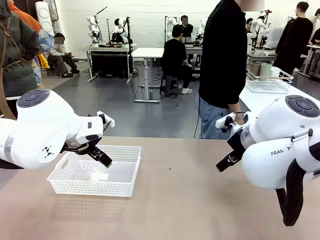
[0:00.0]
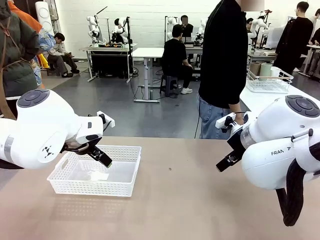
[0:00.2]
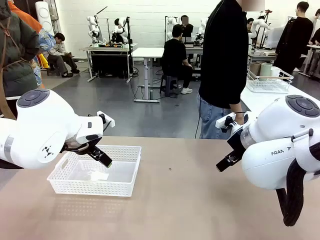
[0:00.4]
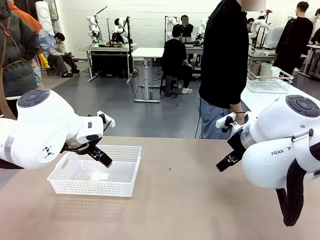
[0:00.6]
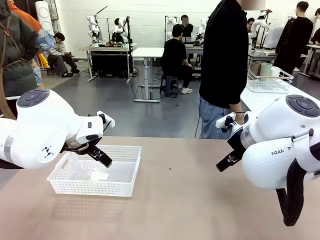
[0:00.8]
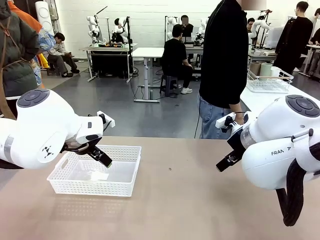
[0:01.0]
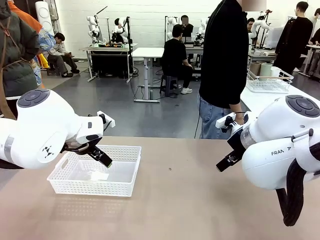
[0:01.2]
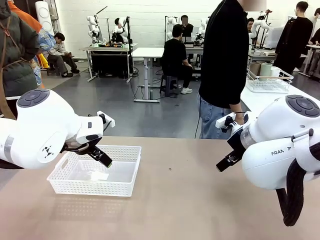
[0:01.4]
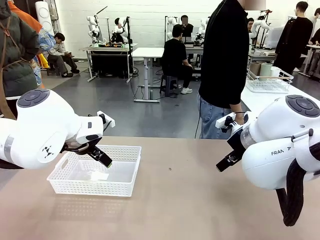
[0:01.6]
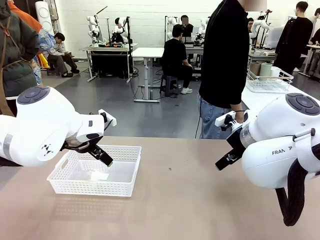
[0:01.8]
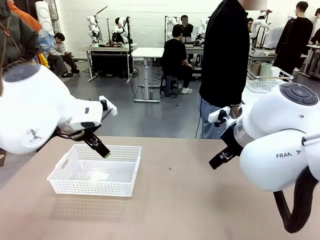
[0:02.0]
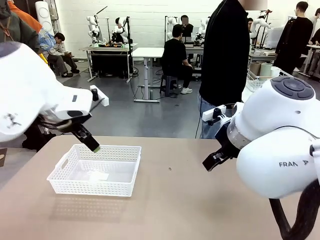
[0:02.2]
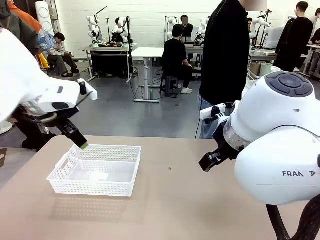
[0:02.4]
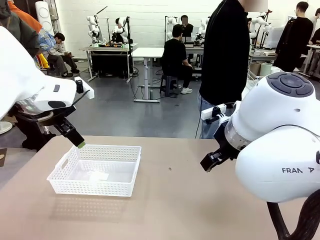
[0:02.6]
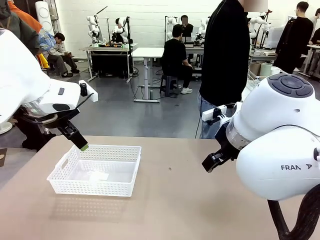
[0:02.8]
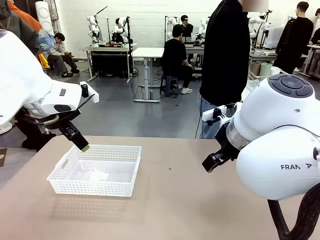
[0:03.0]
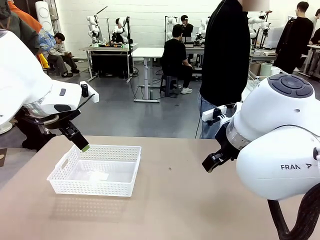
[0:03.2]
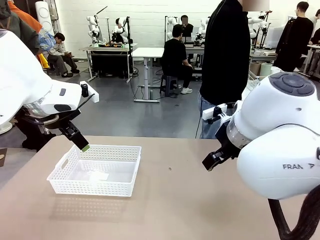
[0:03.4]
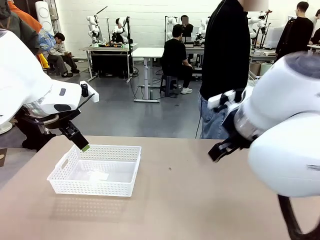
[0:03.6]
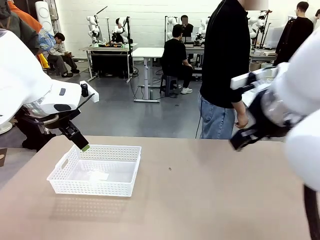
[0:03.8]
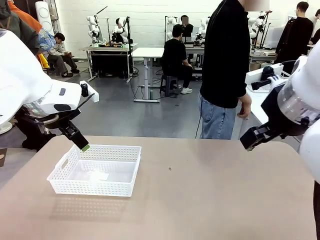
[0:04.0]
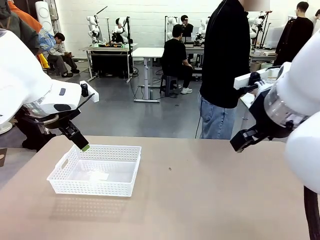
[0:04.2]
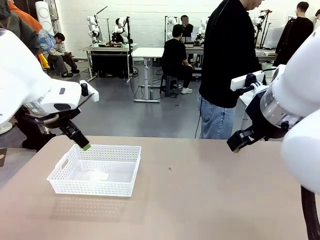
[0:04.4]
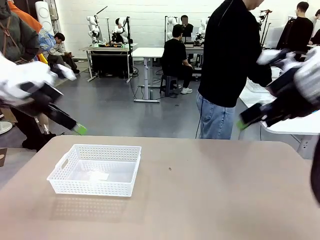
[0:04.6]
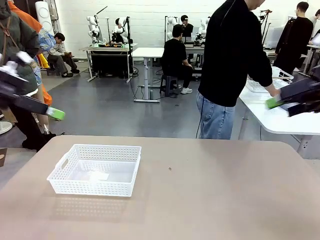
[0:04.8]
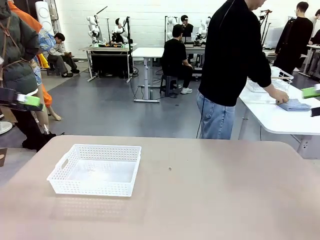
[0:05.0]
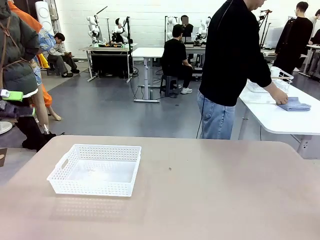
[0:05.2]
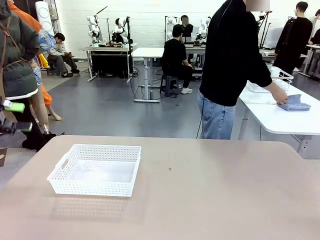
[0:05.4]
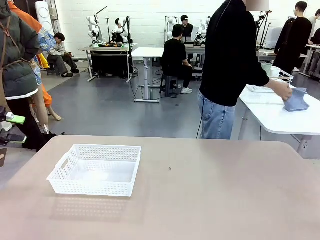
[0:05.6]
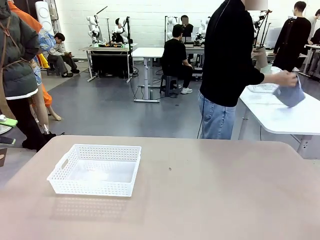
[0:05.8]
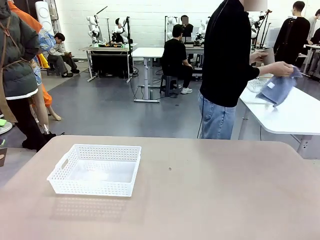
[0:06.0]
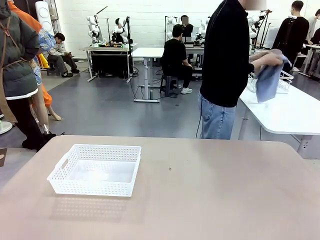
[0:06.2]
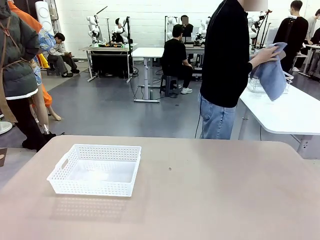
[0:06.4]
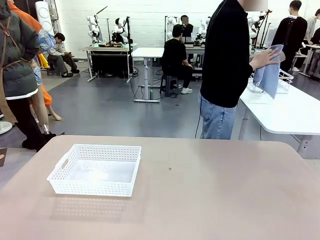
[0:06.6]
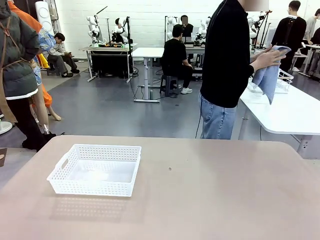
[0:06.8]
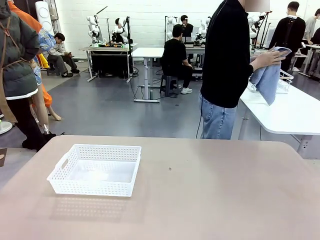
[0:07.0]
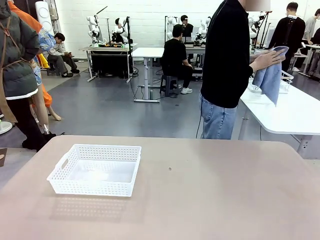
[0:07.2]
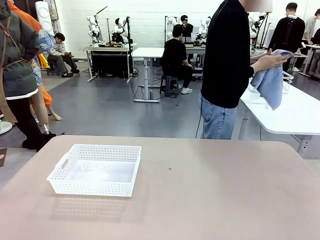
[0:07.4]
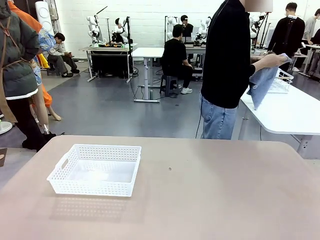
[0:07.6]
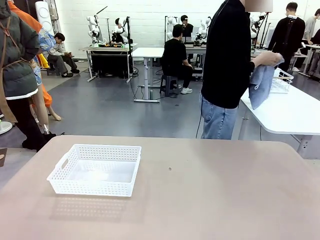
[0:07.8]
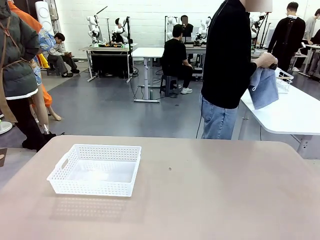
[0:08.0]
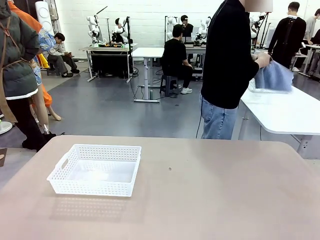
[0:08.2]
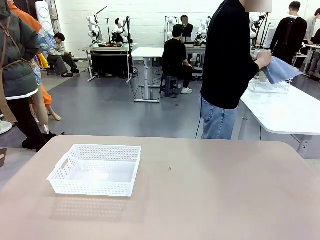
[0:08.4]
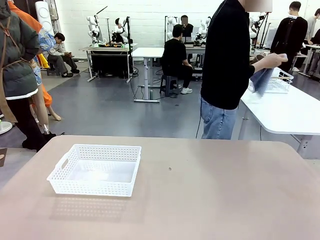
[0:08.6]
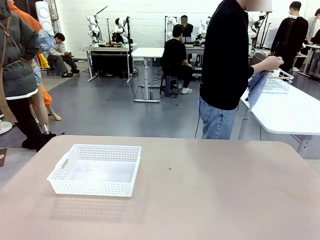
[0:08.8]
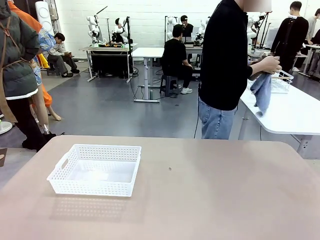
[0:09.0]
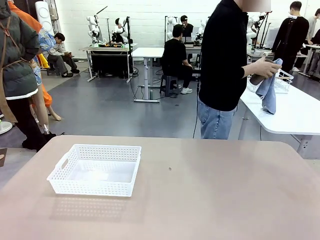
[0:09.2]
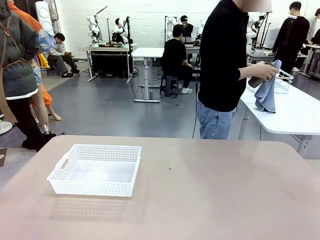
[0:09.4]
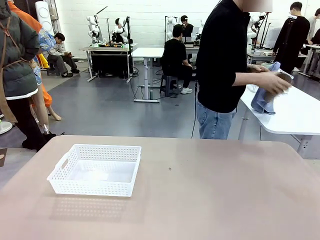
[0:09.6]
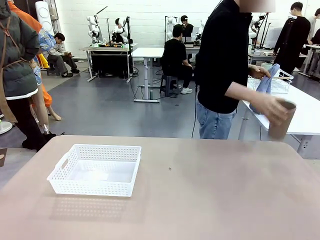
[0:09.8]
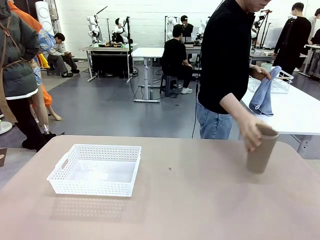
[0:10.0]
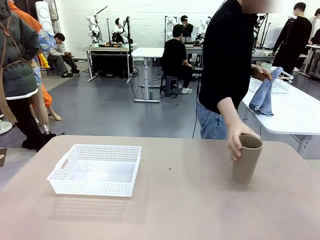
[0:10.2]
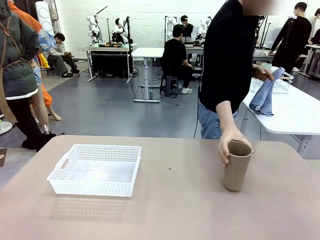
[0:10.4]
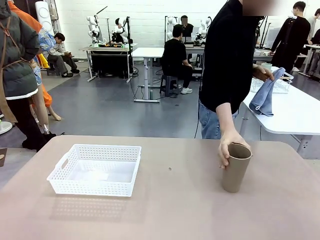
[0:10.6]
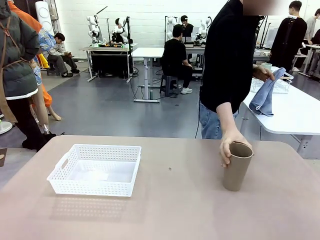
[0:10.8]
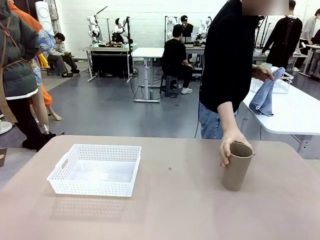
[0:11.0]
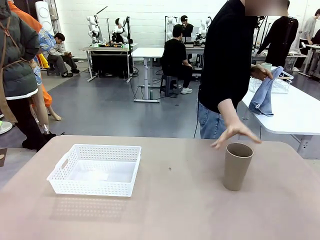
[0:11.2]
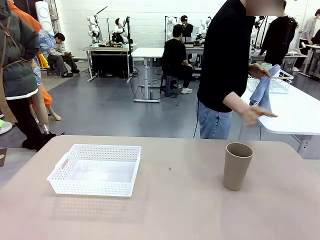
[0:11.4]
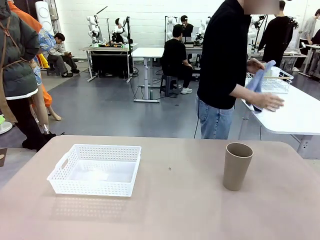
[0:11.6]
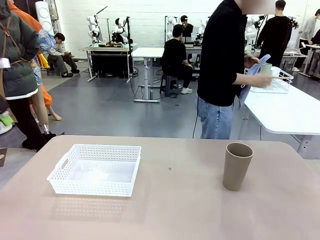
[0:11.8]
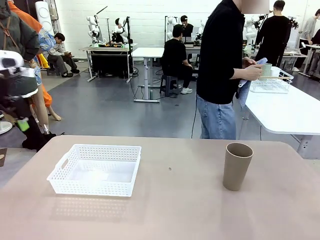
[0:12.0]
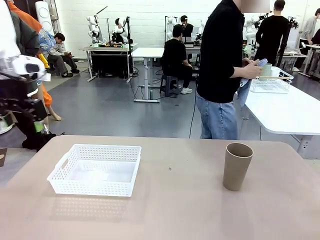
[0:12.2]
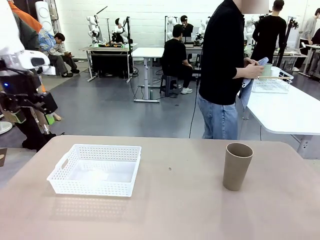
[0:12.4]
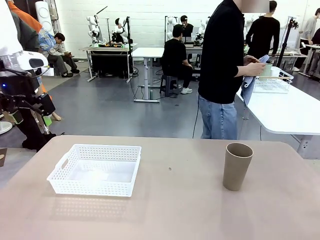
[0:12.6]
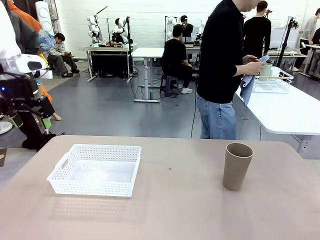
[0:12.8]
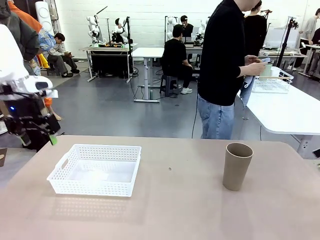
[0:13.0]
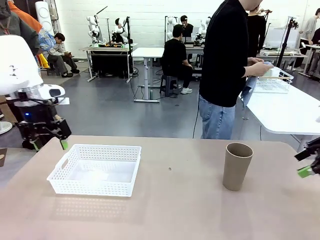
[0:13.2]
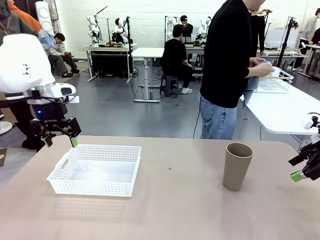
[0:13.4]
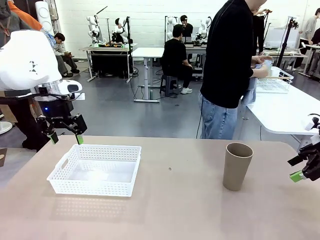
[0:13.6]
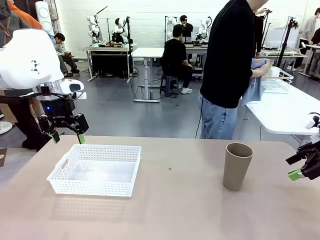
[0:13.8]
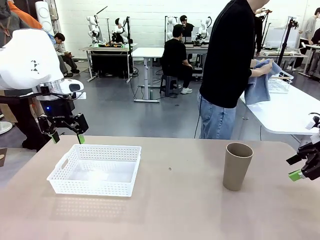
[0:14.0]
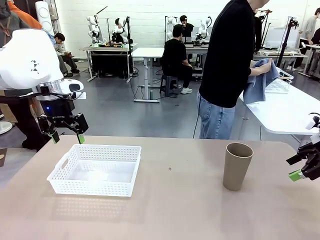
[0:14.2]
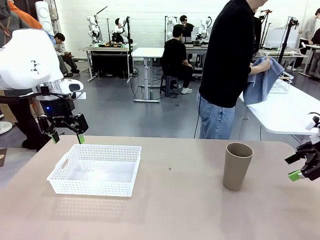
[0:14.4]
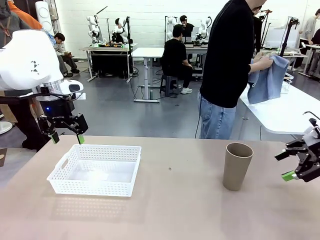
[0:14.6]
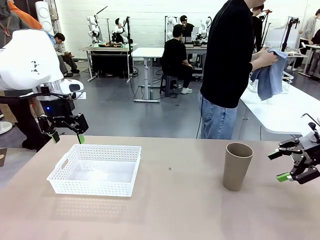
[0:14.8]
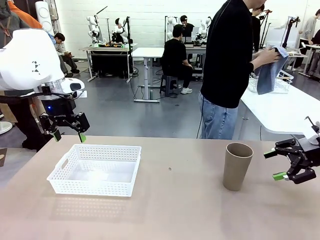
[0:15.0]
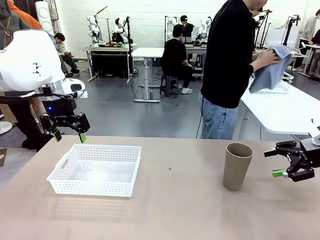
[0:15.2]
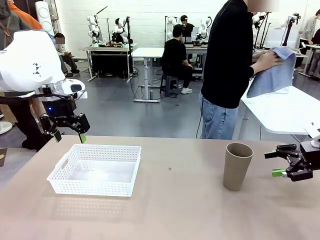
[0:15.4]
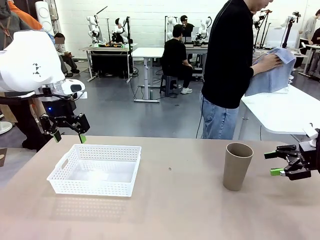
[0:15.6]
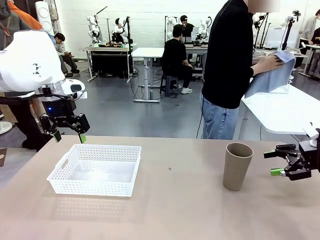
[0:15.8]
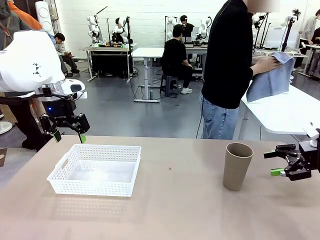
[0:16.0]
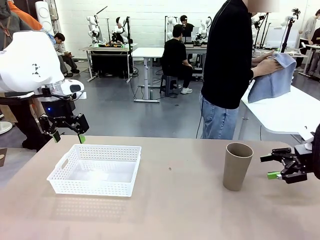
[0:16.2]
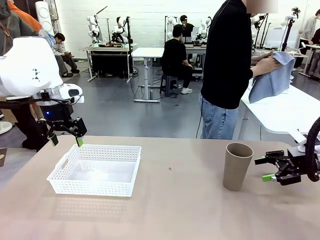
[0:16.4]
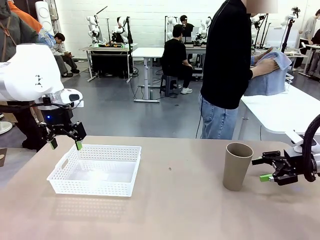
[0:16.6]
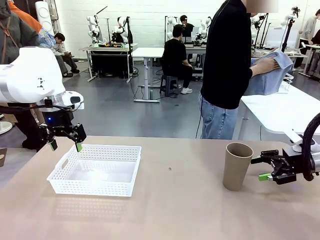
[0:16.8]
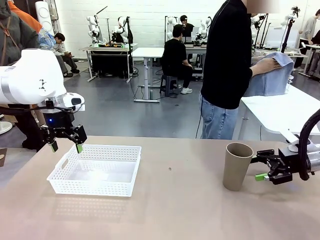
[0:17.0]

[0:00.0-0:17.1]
Task: Clean and organize the cups into the basket.
Robot: Pick up the Organizing basket and move it to the center of the table, then pick up the Reusable plastic cup from the right side of the table and place it inside the Organizing basket.
Person: Picks up a cup and a towel, cleans the cup with the towel, and places it on the left side of the robot table.

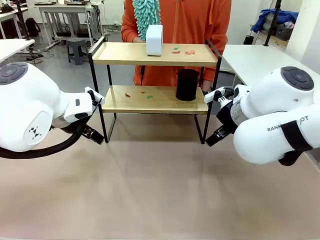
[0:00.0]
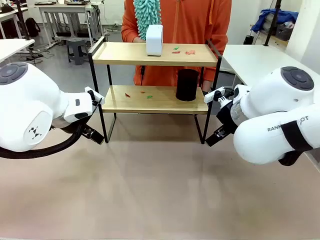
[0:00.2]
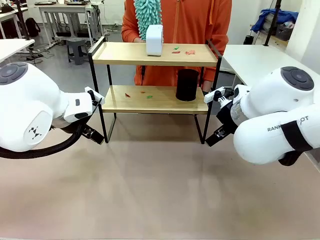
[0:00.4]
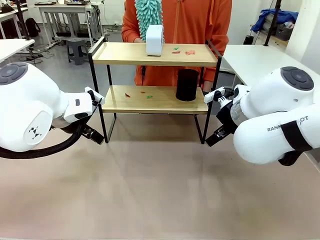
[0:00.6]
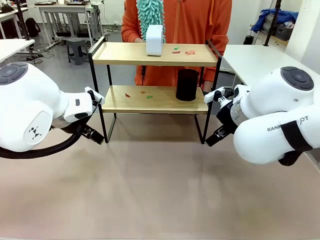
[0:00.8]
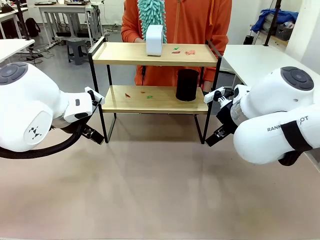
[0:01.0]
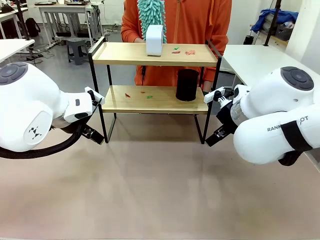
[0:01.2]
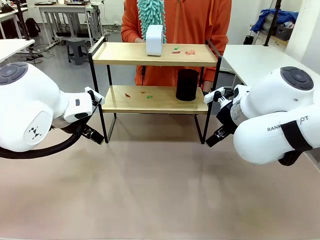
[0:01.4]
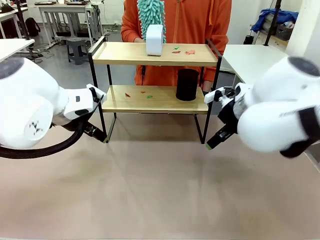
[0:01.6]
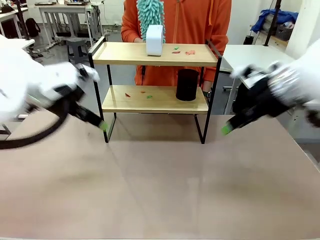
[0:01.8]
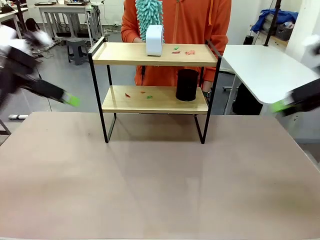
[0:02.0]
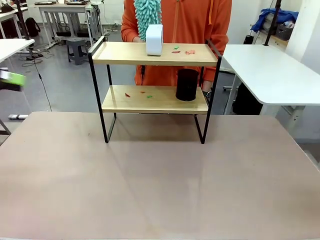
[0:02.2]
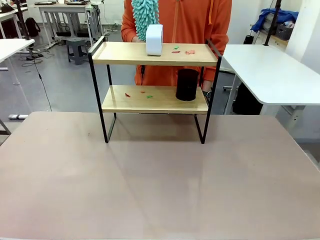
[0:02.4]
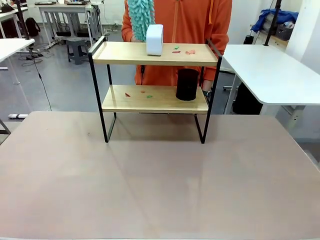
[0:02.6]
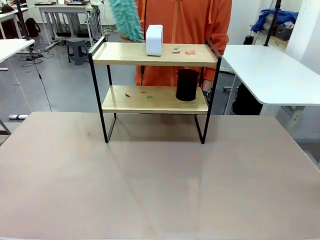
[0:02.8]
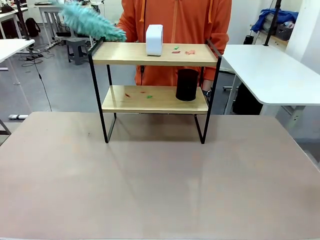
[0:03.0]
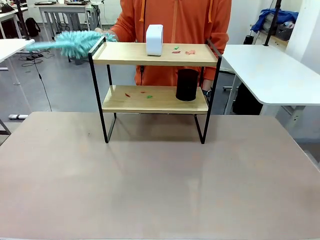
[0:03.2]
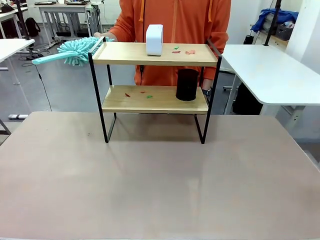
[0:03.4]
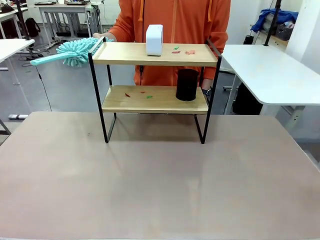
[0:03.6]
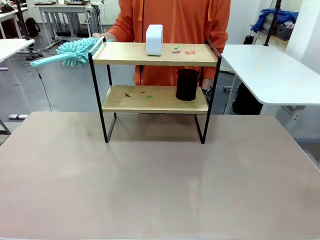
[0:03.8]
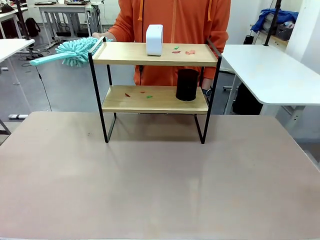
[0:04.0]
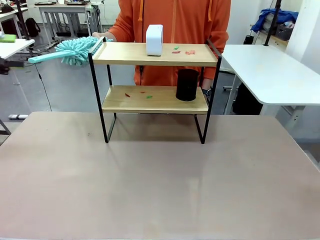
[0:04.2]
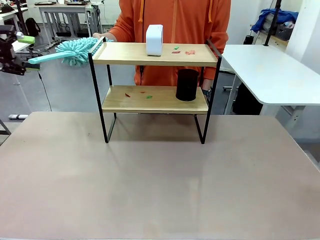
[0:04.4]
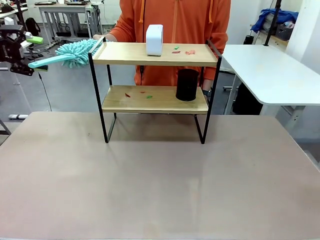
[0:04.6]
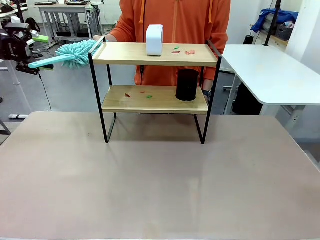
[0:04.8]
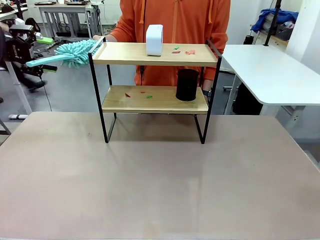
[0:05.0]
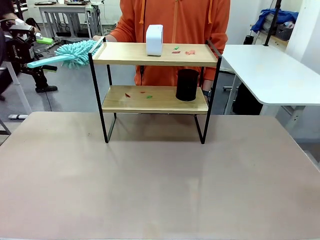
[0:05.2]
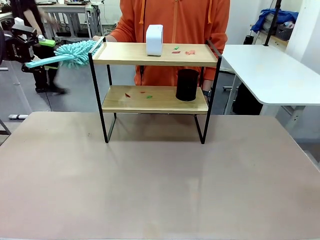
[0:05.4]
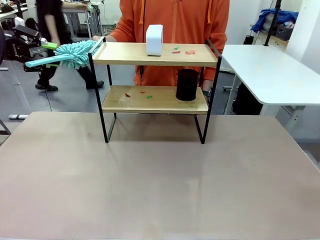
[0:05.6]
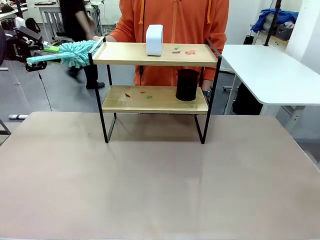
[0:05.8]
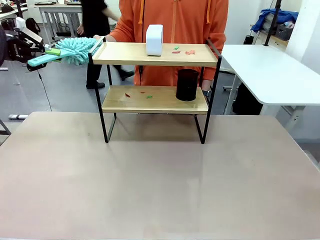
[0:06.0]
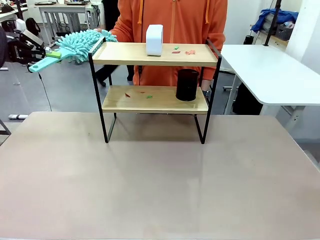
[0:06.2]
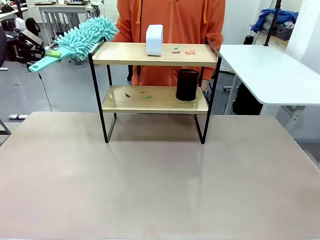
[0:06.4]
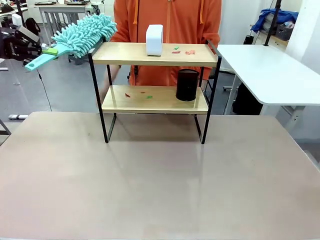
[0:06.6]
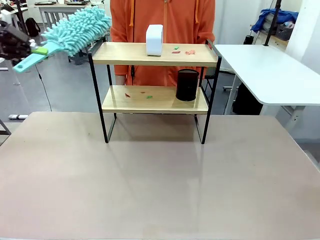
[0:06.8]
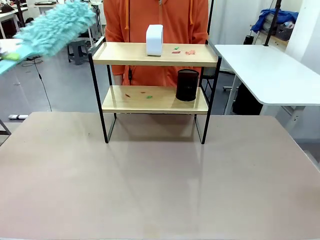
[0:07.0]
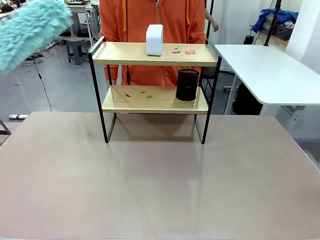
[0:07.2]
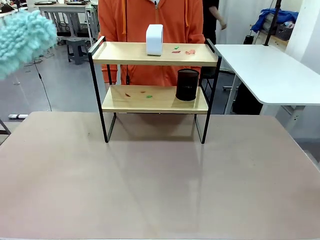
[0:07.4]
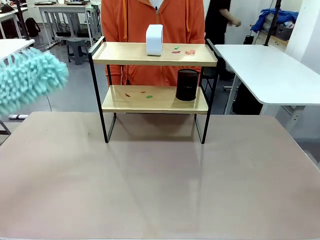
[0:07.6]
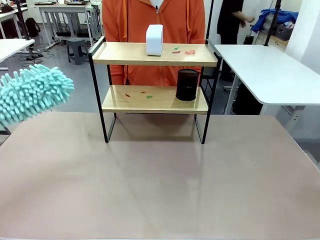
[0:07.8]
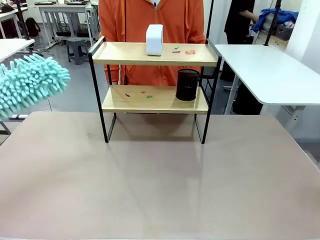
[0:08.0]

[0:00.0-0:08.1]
Task: Clean the shelf.
Robot: Pick up the Duster from the human.
Person: Hand the Duster to the robot.
